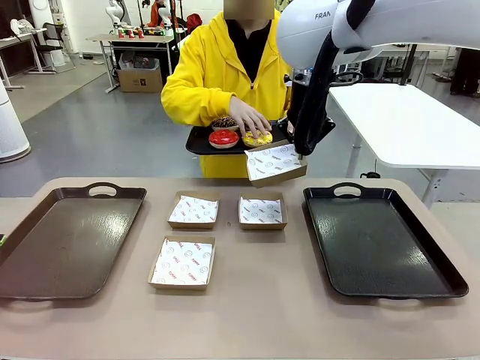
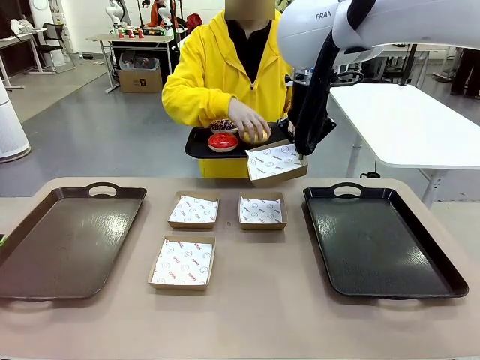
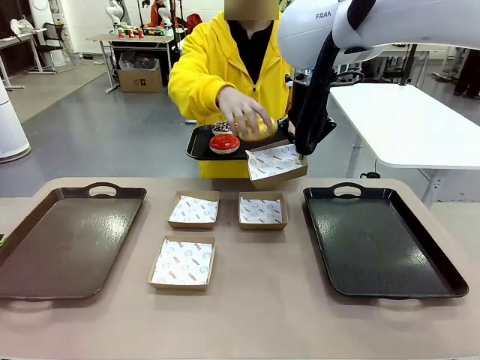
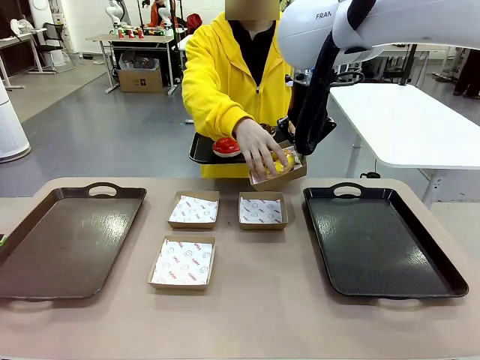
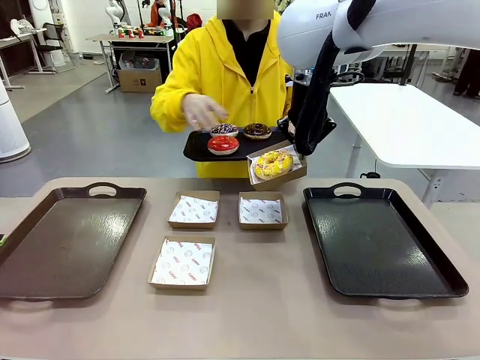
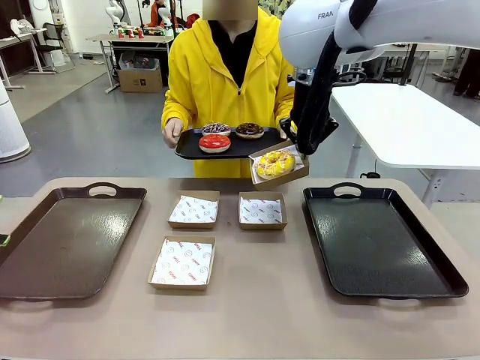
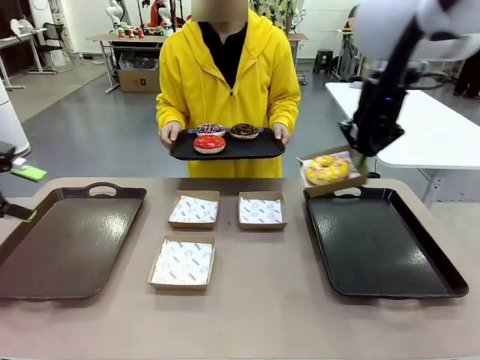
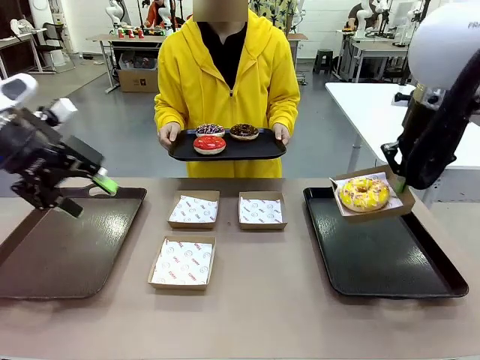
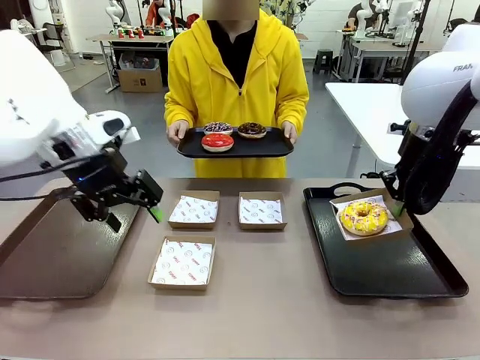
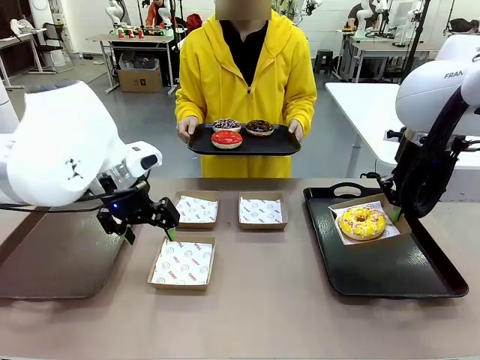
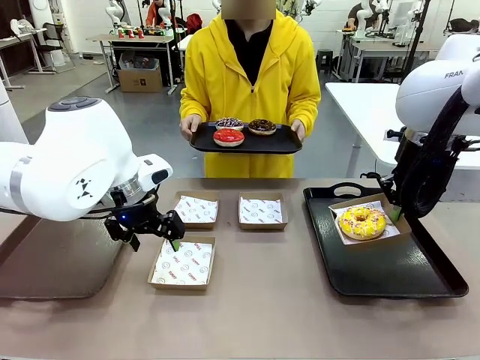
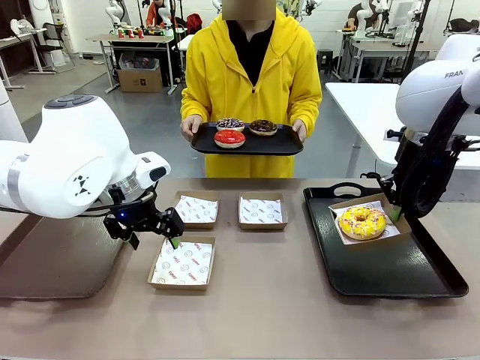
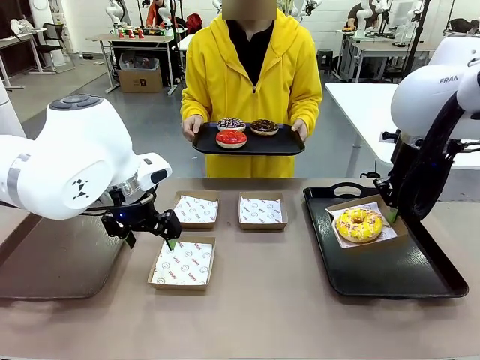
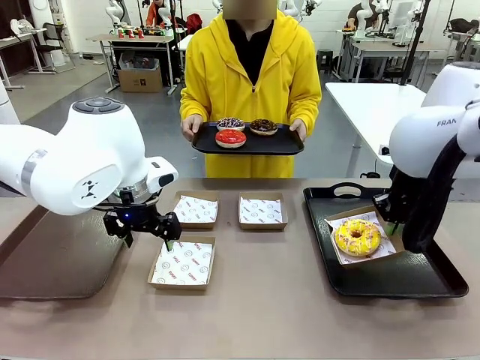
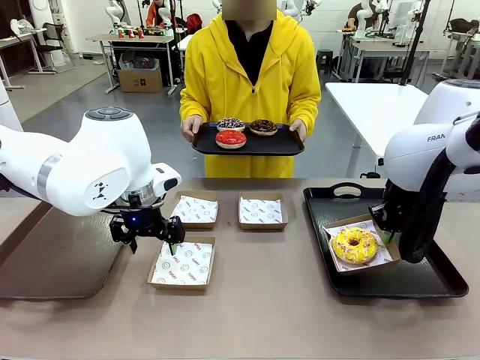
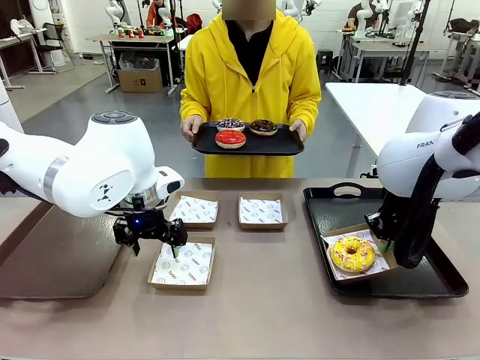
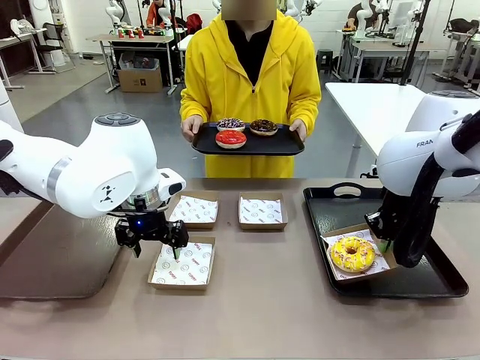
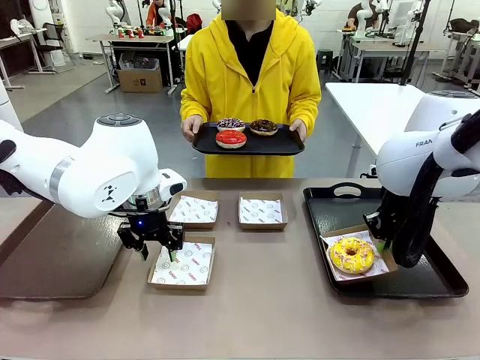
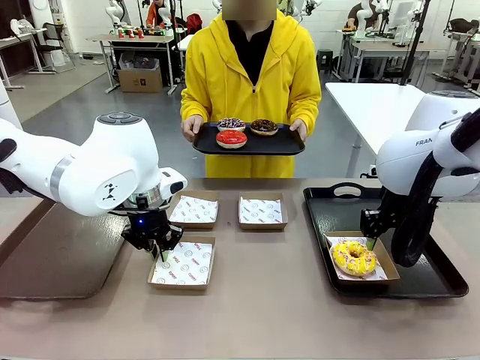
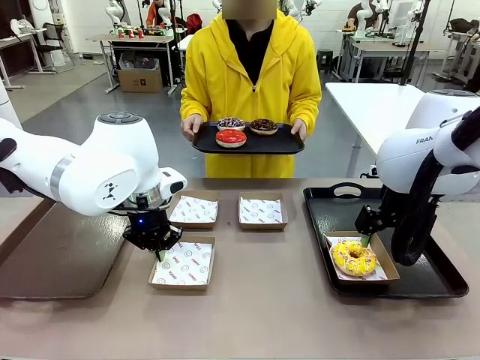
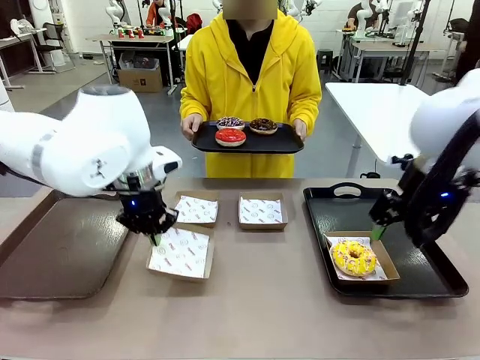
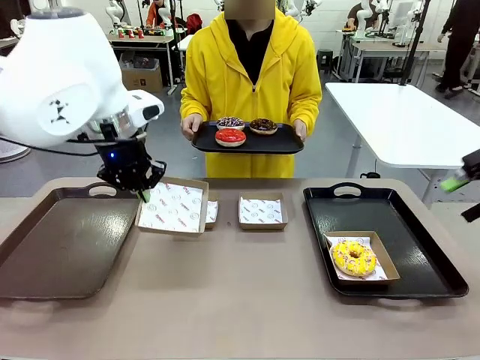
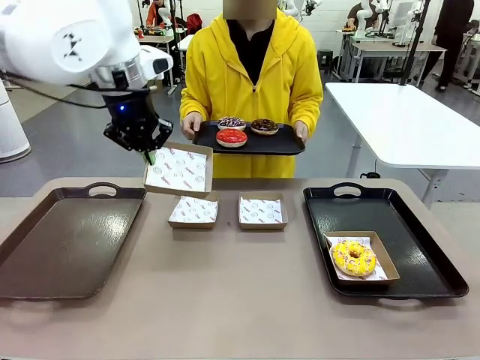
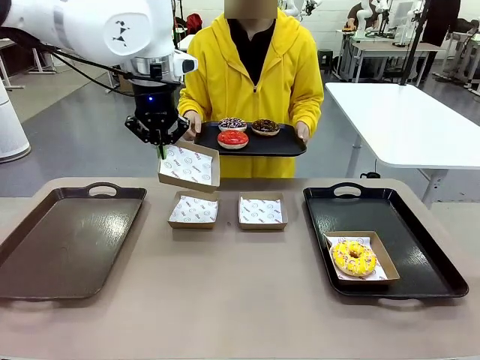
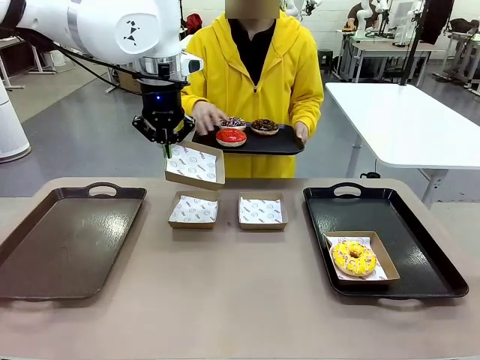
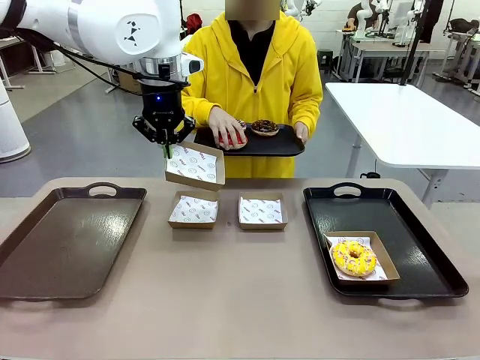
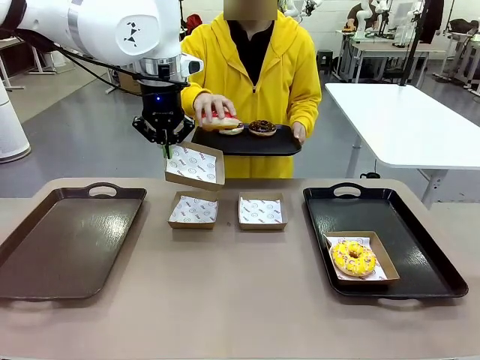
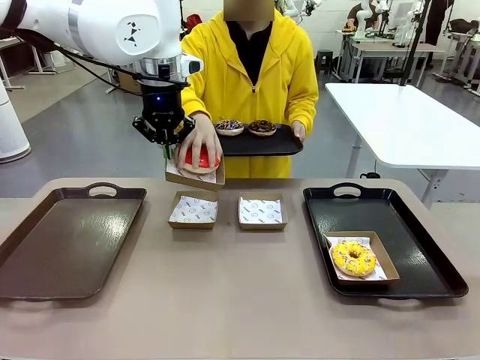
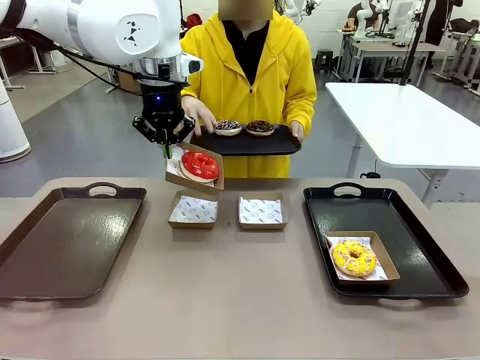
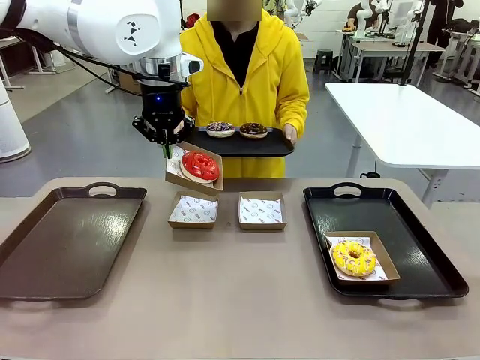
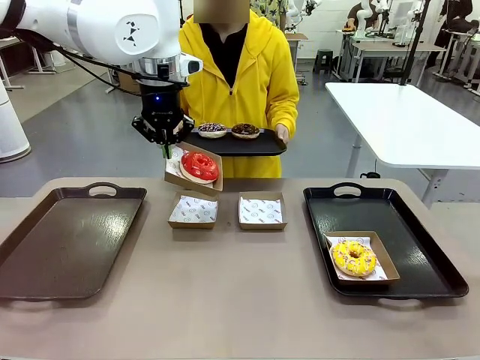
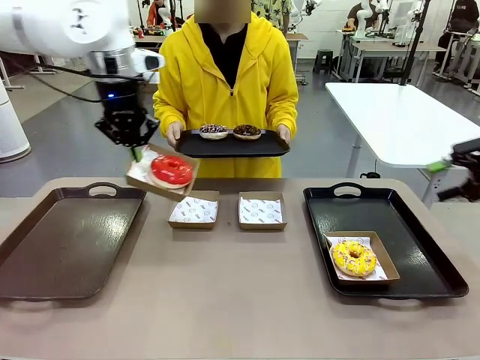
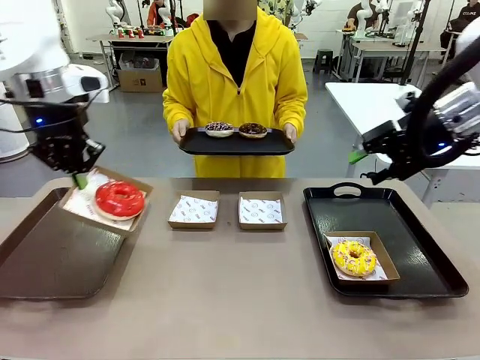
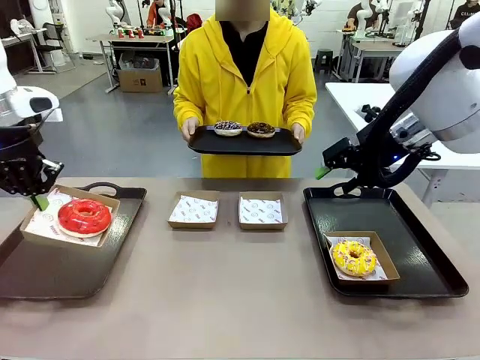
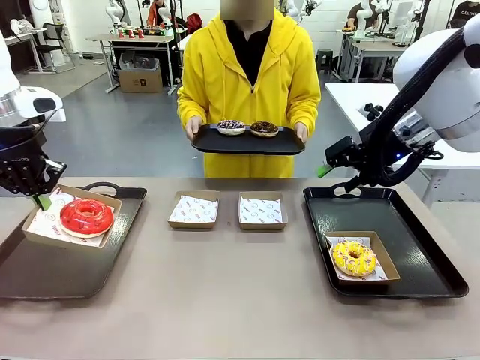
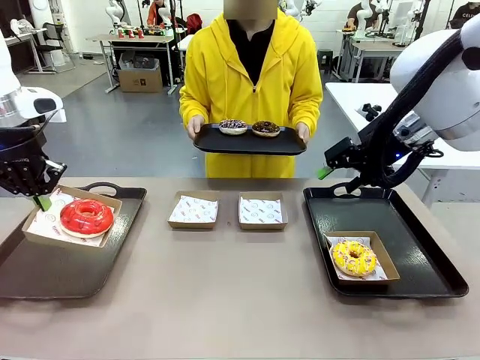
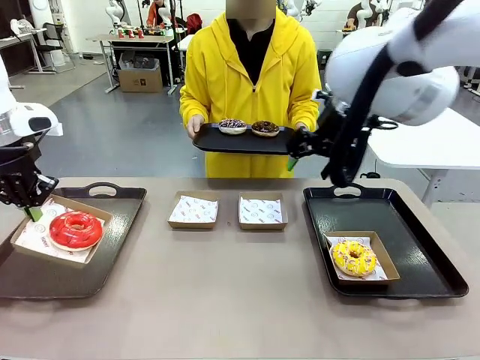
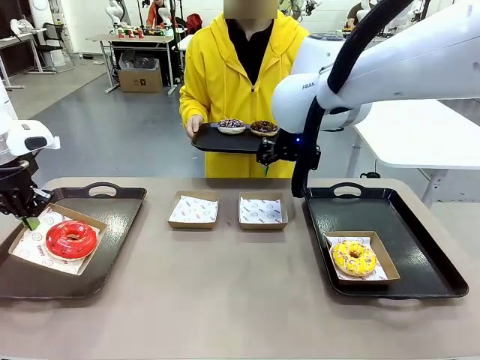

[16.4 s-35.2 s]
Task: Individually package the donuts and arrange them on the tray.
Robot: Place the picked Paper togo box on the Handle tray while simultaneously picking up another Paper togo box from the table with the other hand.
